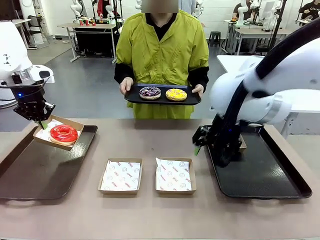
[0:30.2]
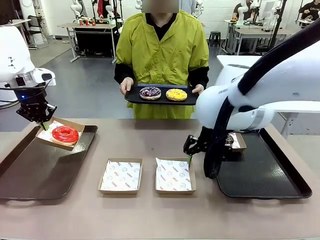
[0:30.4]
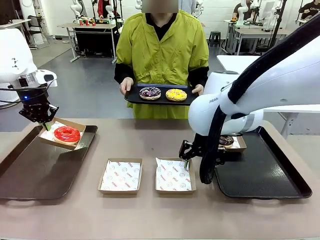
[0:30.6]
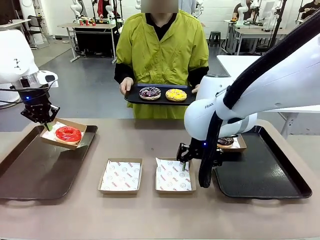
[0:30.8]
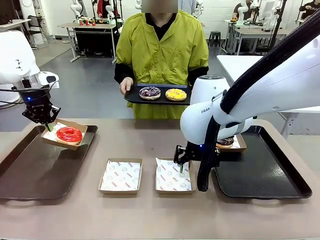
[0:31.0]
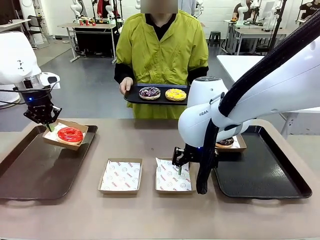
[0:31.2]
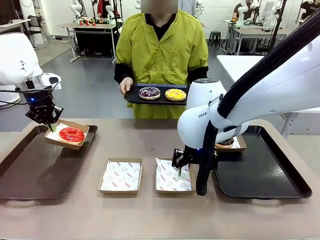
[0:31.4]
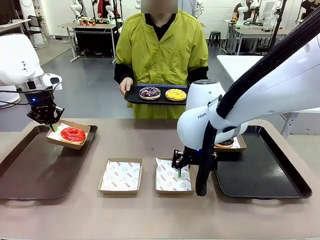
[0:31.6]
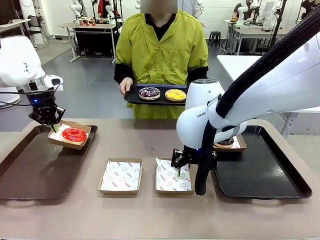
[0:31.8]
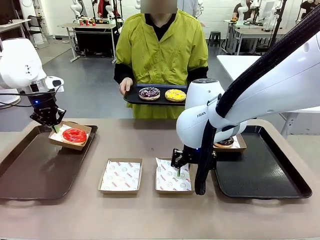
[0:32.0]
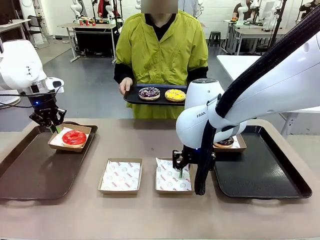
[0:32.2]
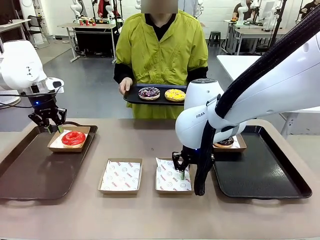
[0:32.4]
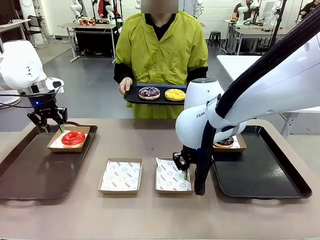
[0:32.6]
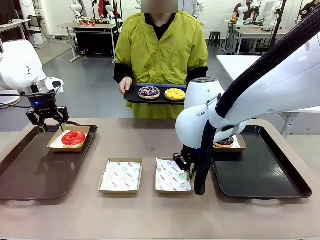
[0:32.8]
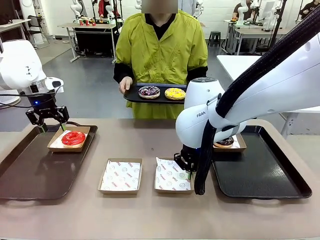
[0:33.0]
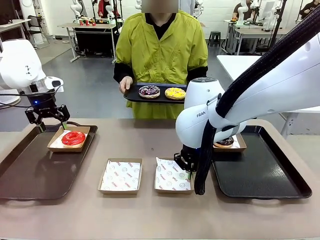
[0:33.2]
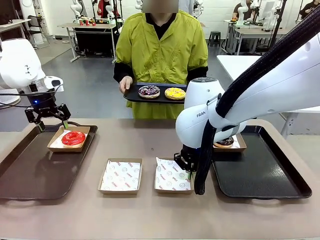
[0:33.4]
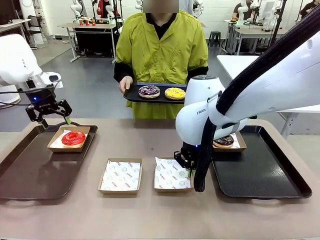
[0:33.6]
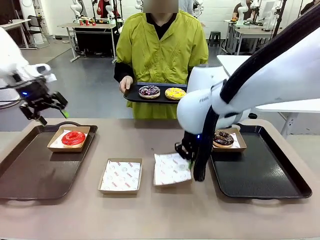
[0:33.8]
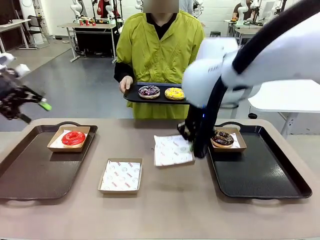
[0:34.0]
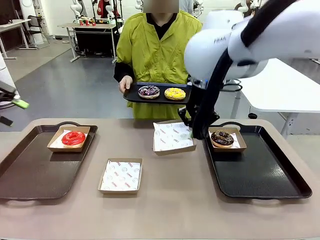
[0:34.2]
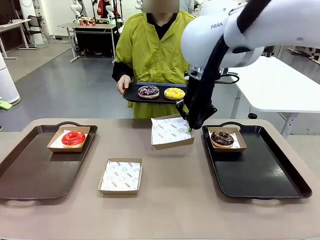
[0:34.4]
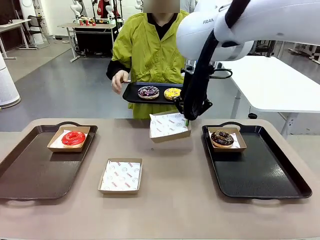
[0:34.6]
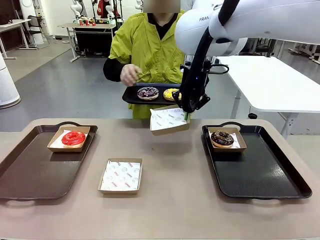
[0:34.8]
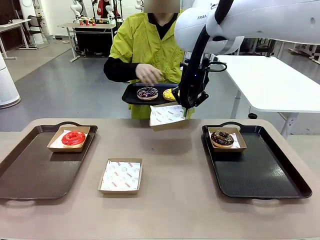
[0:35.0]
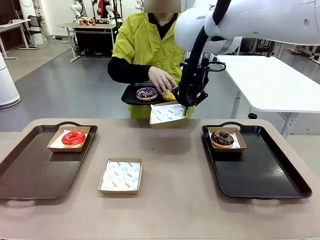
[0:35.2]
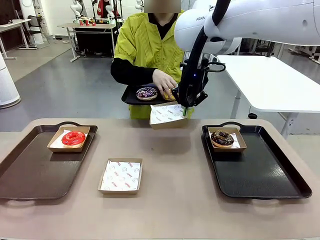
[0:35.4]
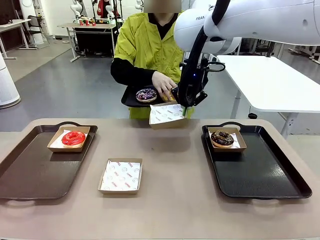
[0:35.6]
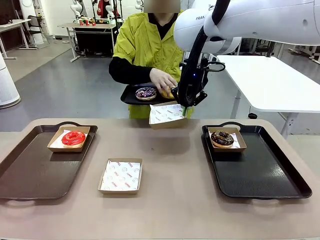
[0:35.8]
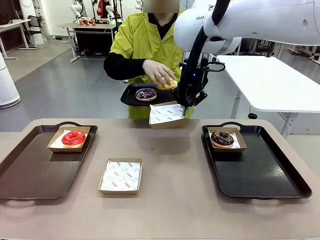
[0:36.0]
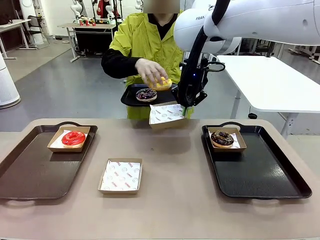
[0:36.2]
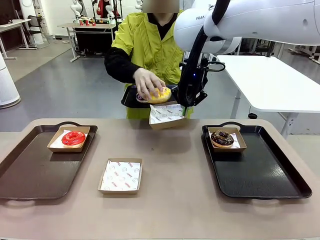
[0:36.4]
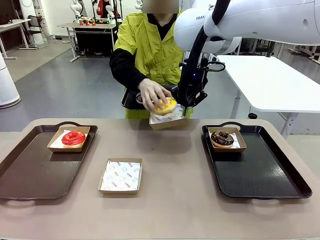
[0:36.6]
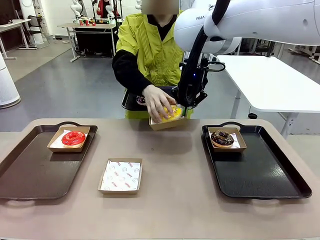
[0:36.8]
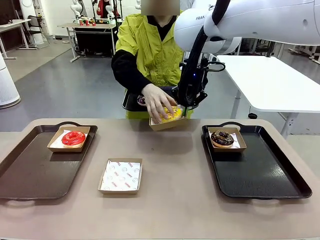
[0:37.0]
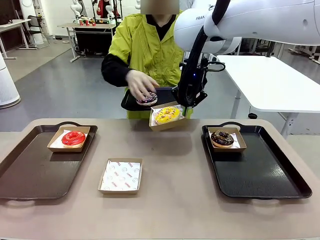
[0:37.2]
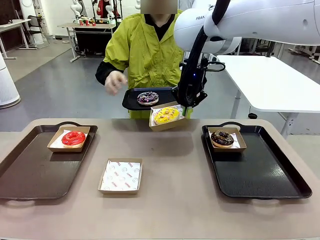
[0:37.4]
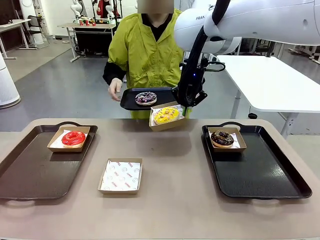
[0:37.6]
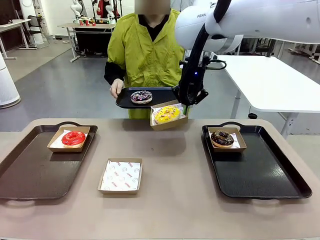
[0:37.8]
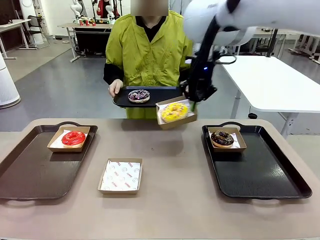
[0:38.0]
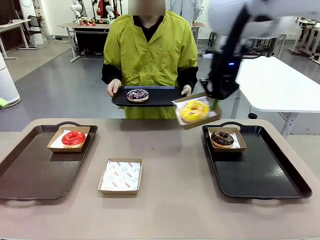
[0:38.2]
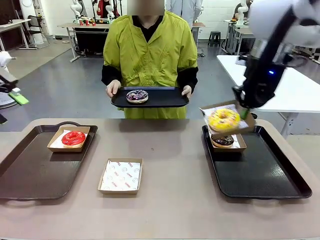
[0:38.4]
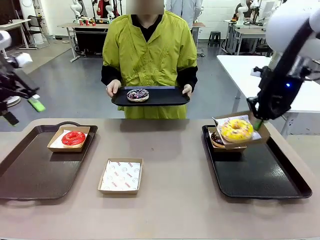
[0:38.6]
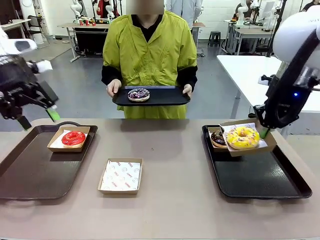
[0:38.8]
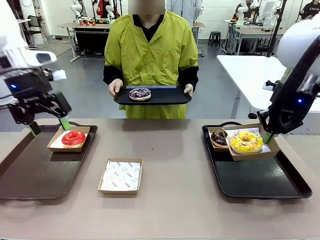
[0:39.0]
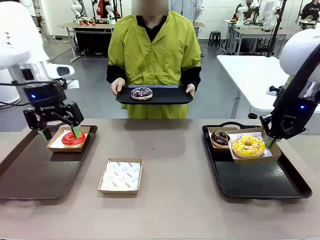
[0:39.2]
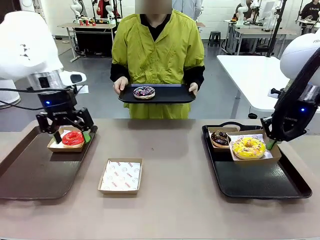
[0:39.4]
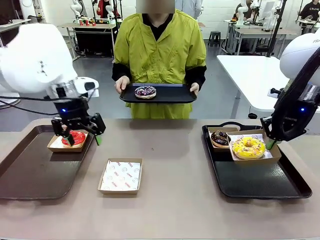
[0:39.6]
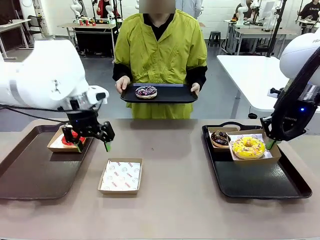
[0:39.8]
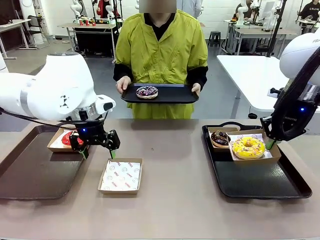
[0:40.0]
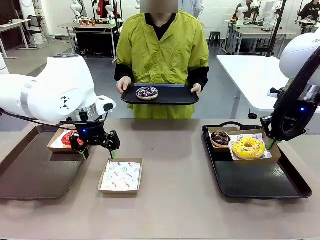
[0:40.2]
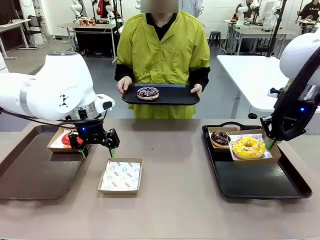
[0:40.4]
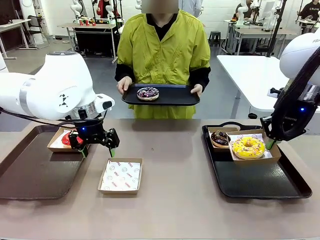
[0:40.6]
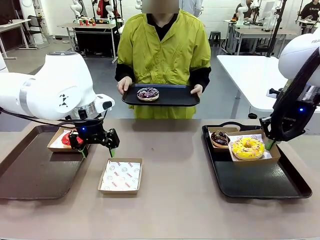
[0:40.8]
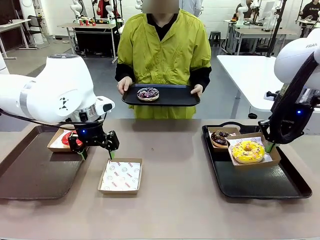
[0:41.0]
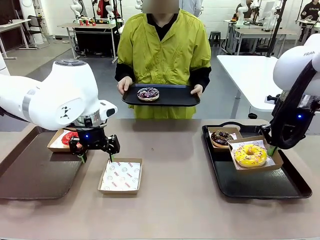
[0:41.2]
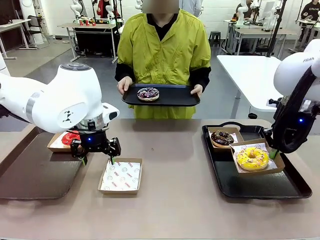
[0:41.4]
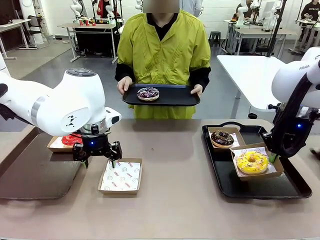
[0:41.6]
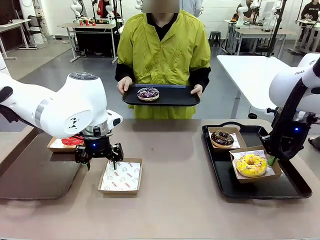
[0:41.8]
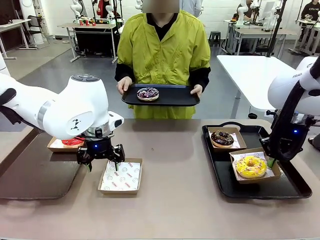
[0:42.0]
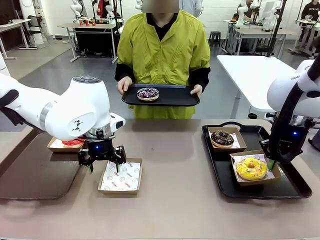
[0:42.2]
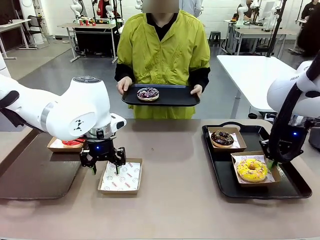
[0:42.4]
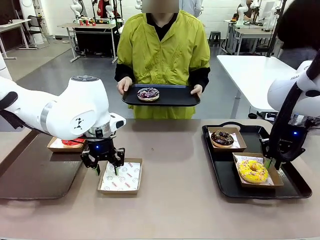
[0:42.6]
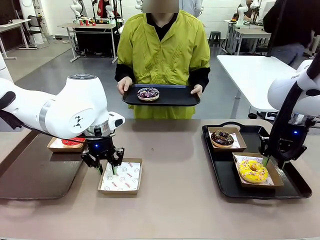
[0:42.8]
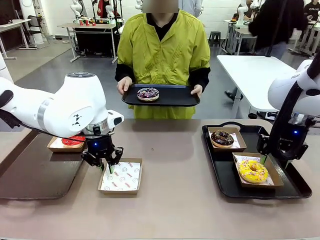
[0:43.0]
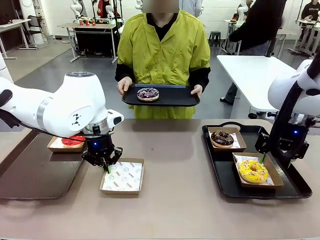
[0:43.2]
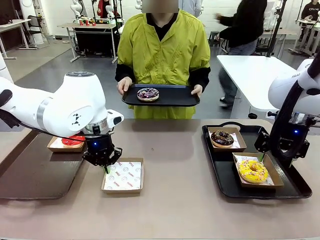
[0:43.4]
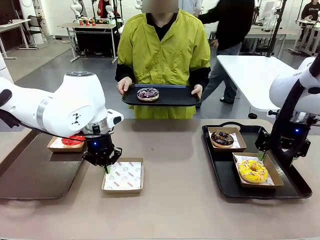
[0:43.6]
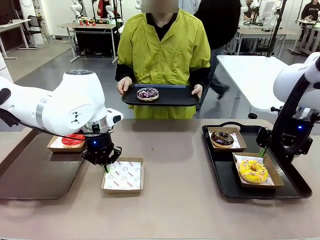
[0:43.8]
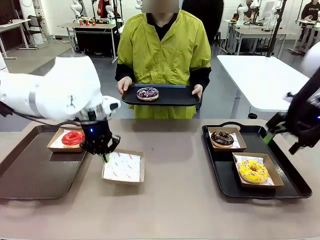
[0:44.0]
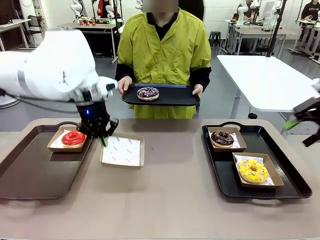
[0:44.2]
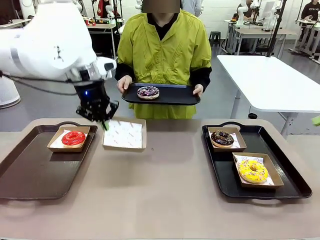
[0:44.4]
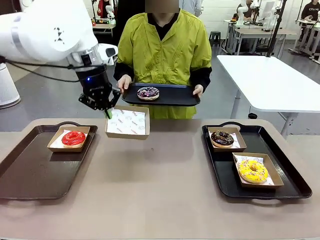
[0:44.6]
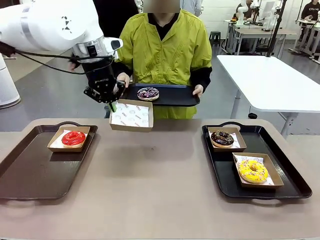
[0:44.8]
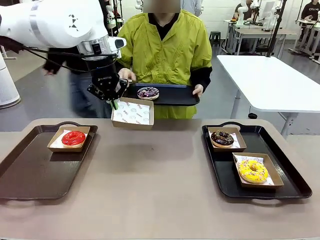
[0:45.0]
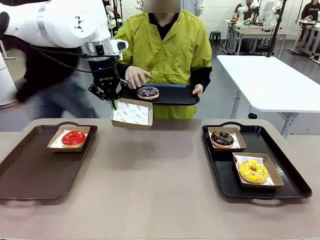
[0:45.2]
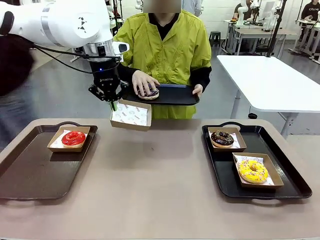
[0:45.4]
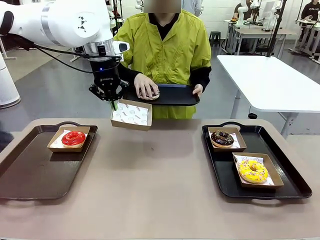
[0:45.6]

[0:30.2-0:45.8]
Task: Individually package the donuts and arrange them on the tray.
Robot: Place the picked Paper togo box on the Handle tray while simultaneously picking up another Paper togo box from the table with the other hand.

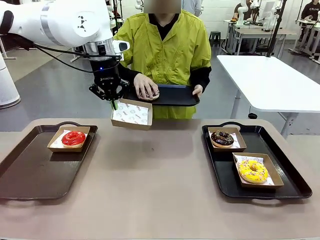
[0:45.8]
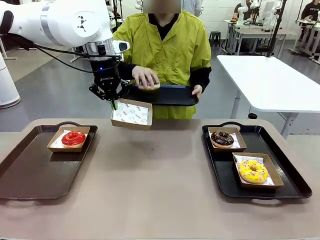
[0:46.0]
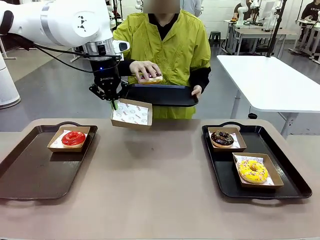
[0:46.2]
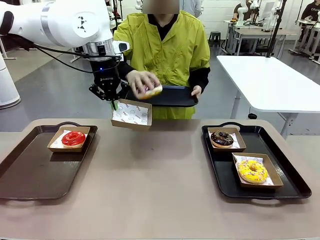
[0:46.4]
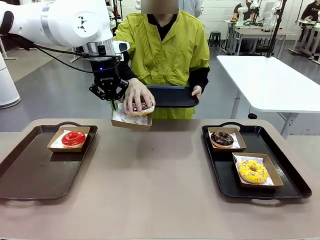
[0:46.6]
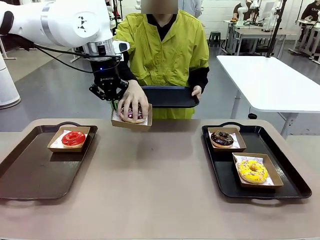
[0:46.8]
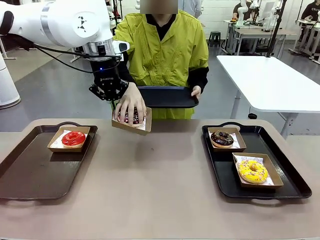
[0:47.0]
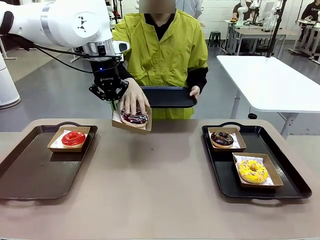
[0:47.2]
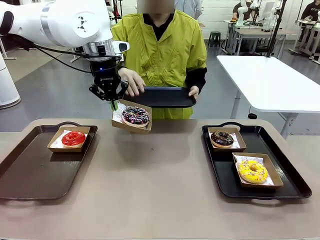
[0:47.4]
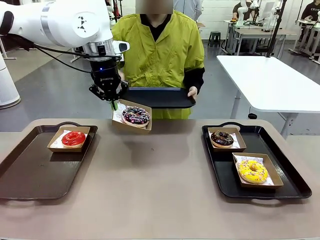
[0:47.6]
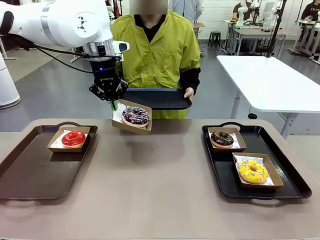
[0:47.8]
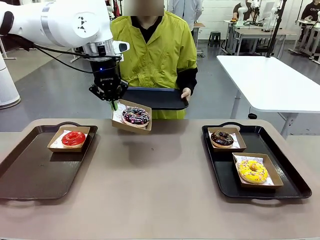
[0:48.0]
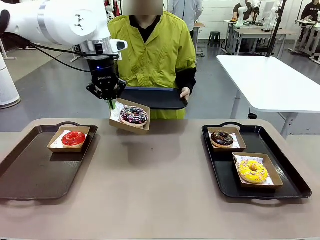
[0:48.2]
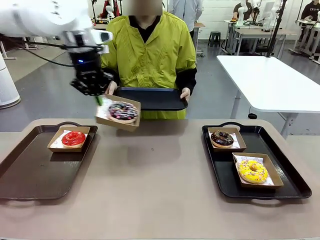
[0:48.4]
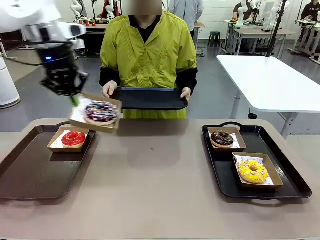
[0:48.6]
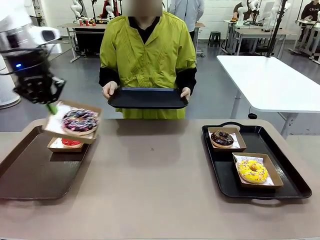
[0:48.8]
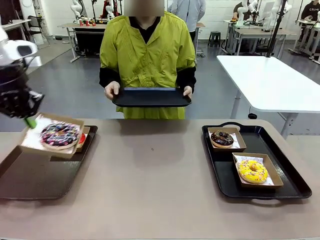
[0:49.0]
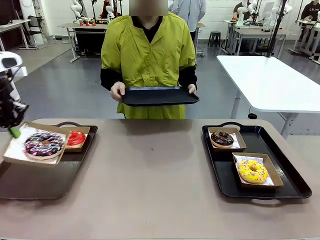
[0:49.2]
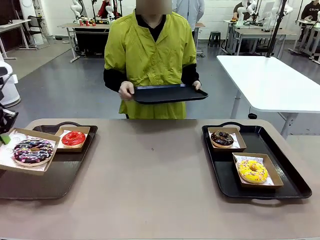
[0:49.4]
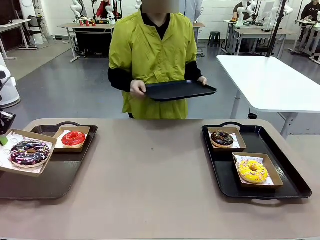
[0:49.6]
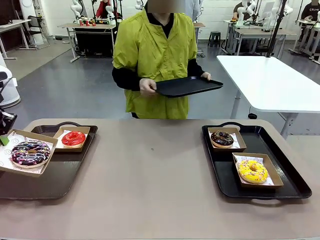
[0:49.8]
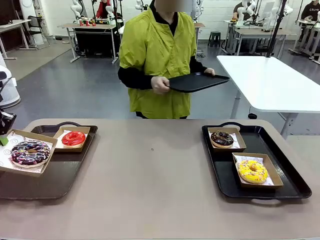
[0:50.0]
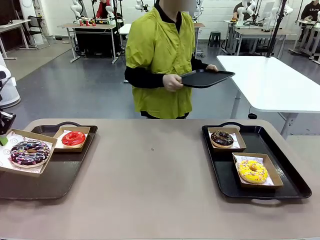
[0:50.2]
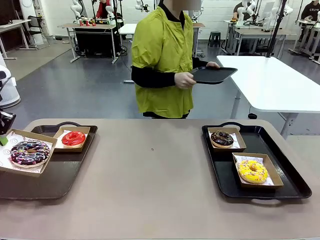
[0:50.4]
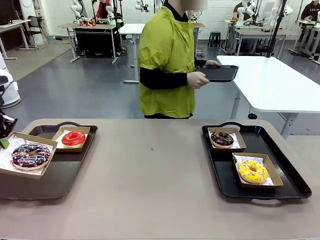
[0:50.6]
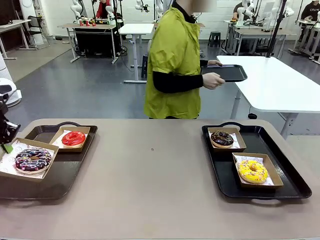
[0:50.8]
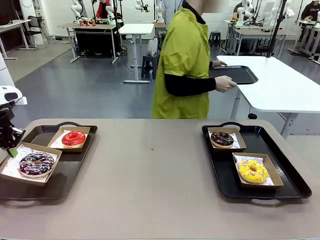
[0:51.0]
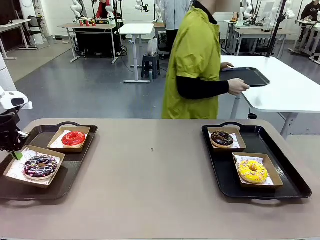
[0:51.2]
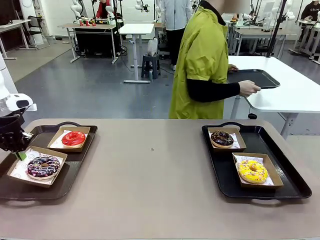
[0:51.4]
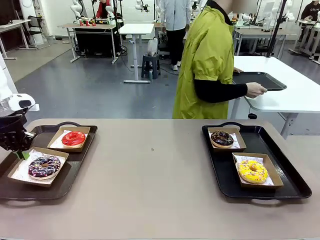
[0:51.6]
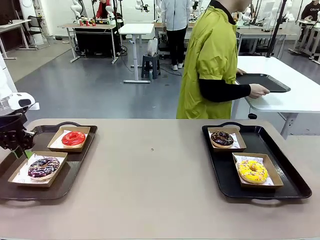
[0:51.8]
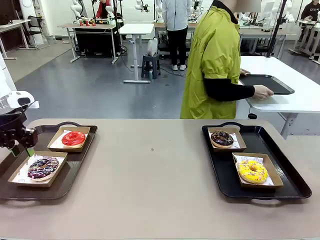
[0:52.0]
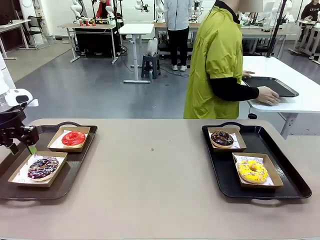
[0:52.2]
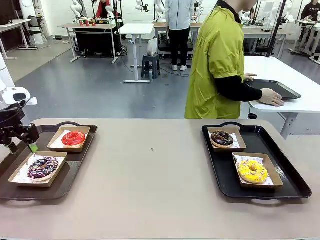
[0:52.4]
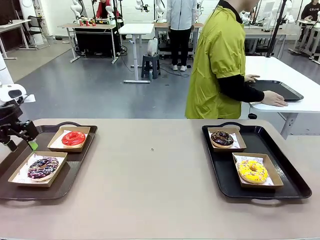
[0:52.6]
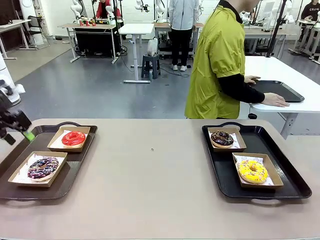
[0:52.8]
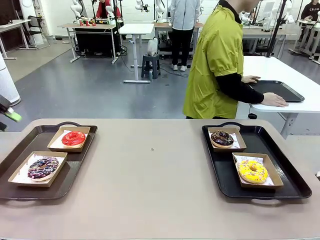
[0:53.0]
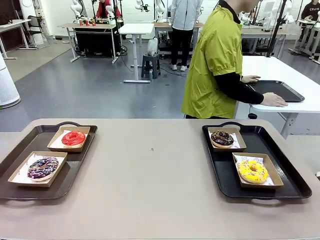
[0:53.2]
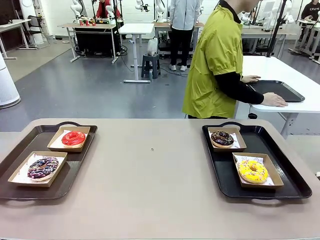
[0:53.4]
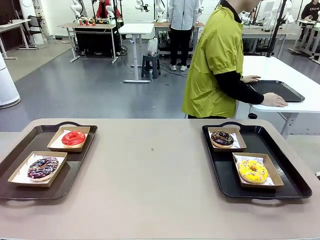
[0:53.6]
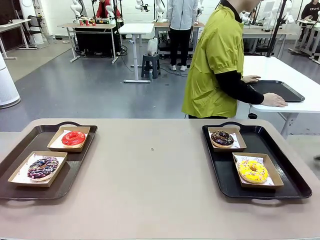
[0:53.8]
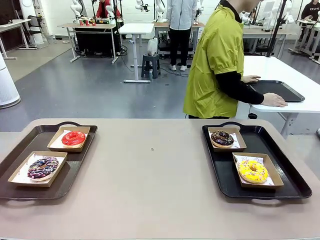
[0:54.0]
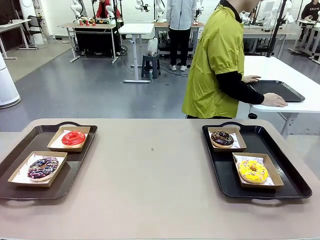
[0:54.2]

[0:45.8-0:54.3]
Robot: Place the picked Paper togo box on the Handle tray.
Person: Place the tray down in the middle of the human table.
